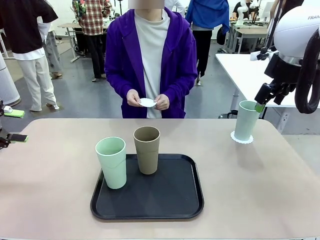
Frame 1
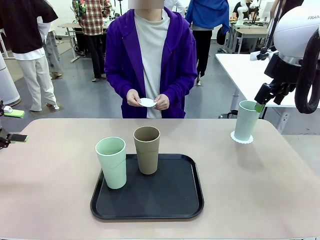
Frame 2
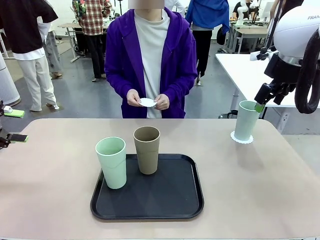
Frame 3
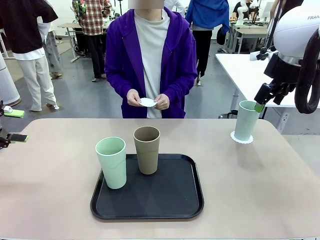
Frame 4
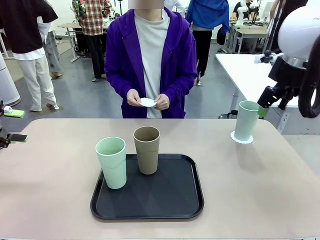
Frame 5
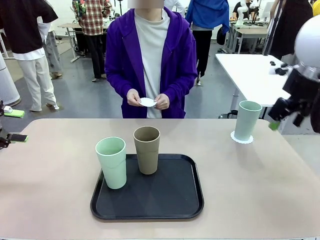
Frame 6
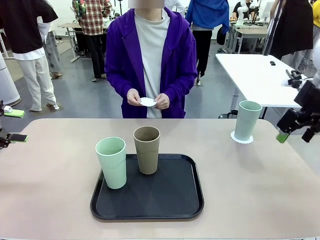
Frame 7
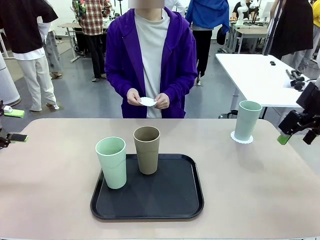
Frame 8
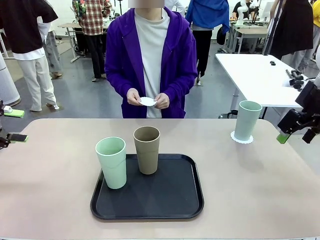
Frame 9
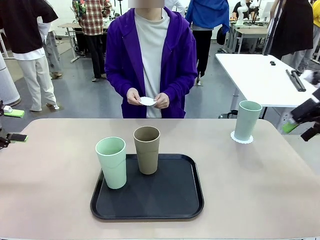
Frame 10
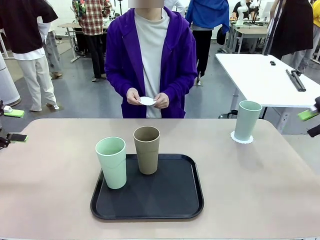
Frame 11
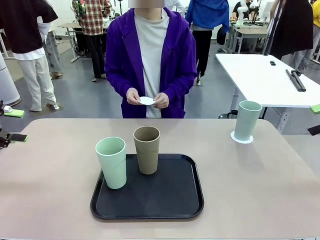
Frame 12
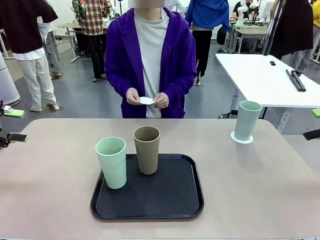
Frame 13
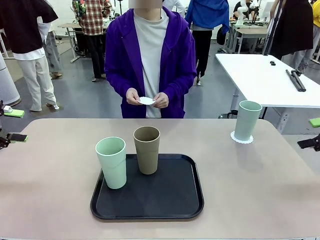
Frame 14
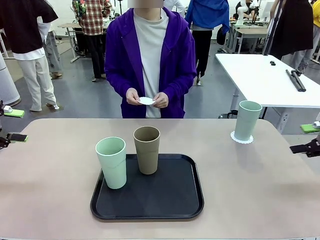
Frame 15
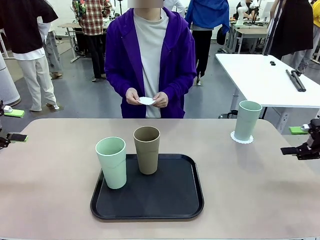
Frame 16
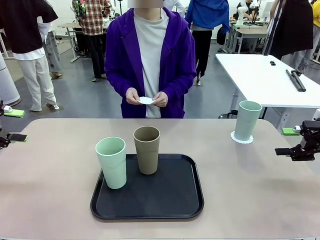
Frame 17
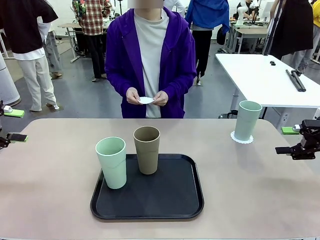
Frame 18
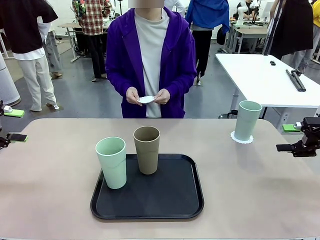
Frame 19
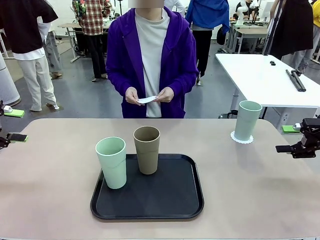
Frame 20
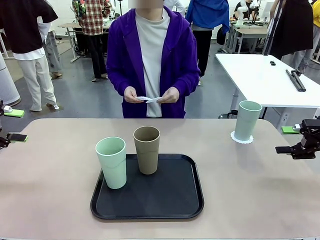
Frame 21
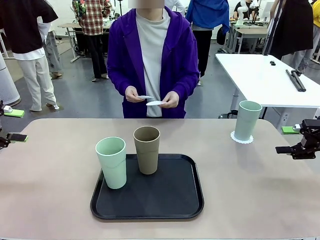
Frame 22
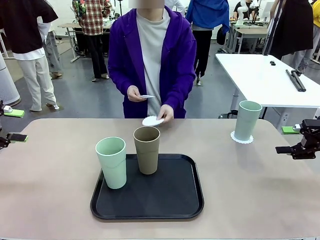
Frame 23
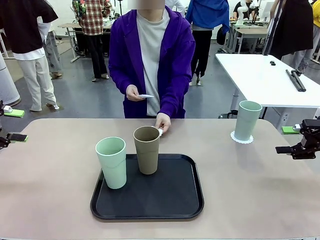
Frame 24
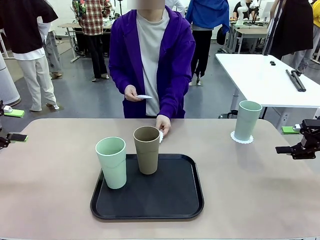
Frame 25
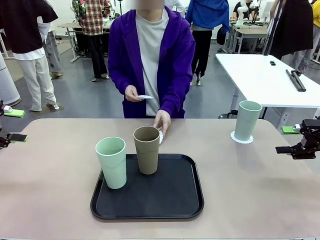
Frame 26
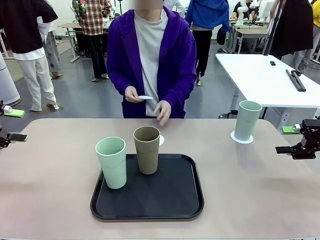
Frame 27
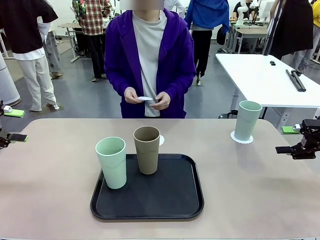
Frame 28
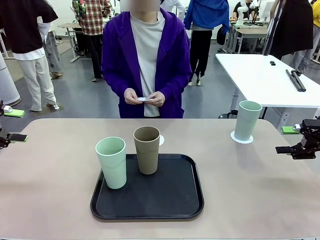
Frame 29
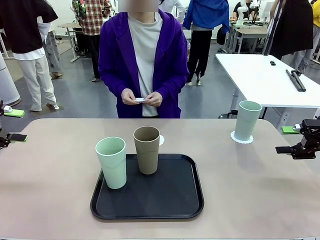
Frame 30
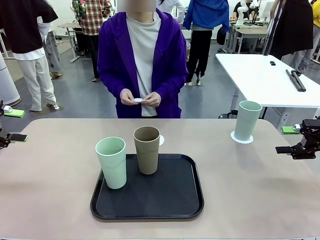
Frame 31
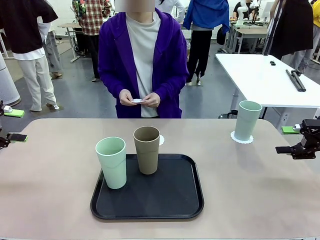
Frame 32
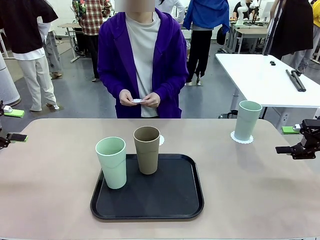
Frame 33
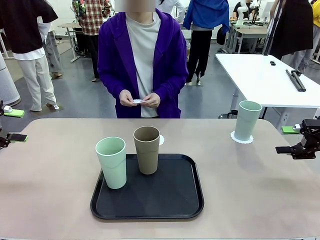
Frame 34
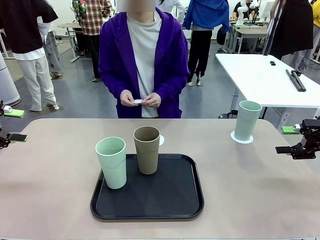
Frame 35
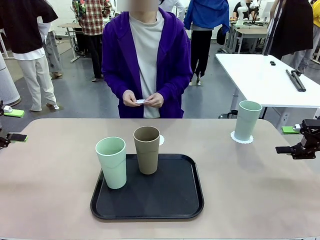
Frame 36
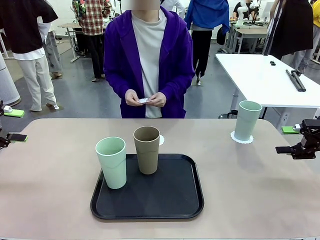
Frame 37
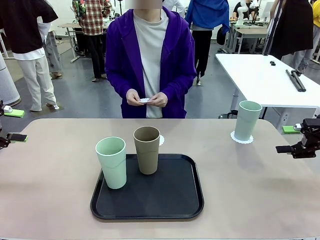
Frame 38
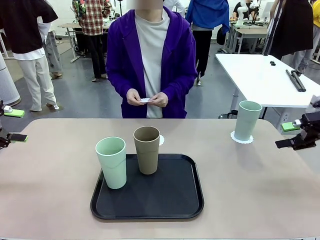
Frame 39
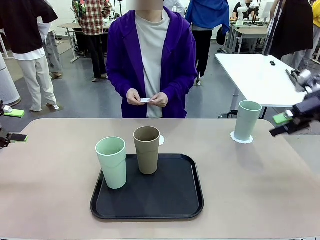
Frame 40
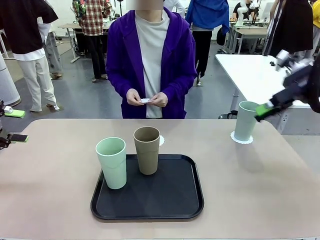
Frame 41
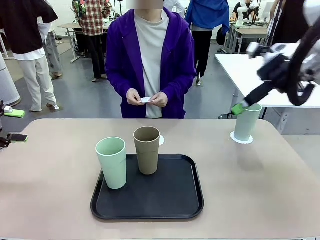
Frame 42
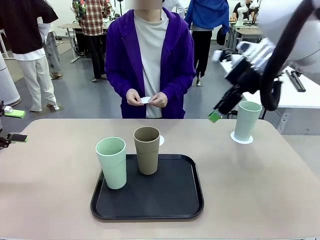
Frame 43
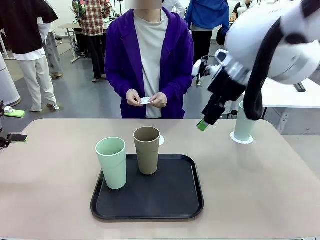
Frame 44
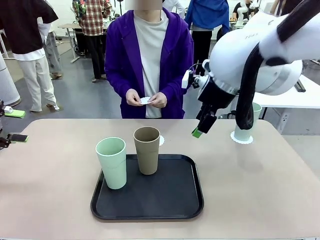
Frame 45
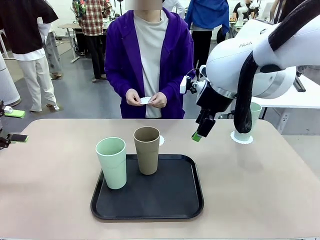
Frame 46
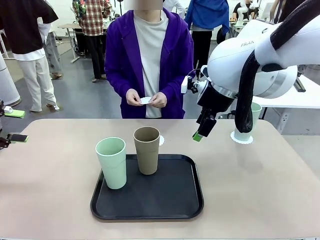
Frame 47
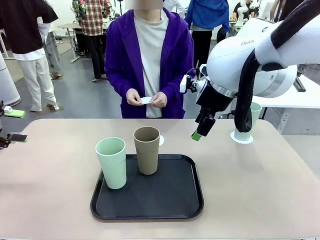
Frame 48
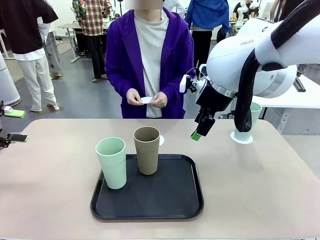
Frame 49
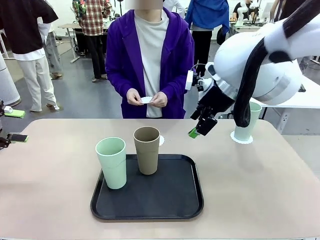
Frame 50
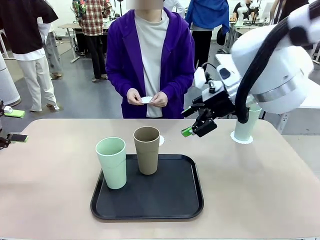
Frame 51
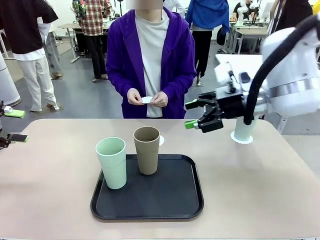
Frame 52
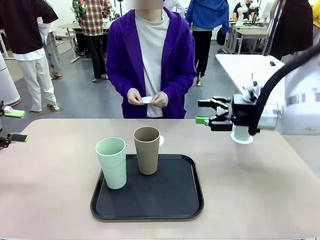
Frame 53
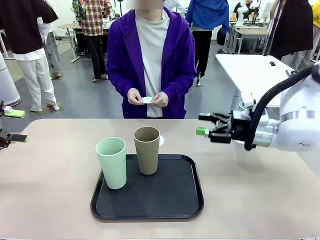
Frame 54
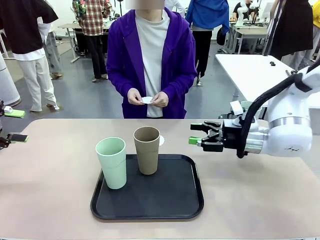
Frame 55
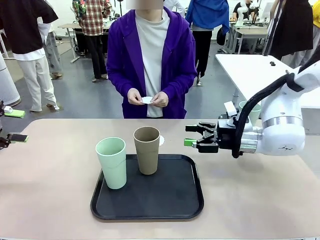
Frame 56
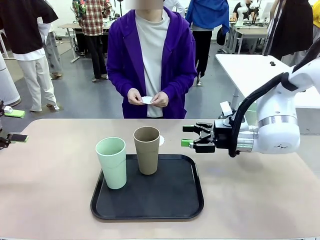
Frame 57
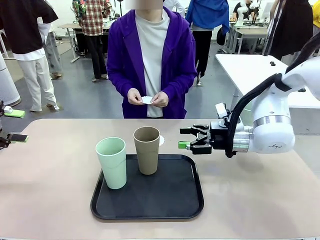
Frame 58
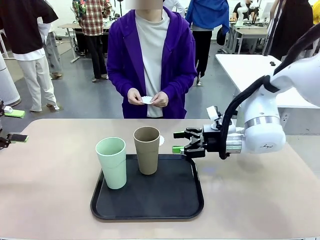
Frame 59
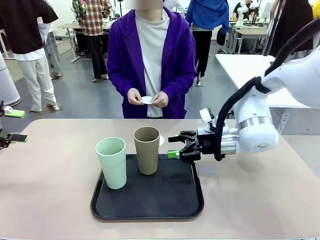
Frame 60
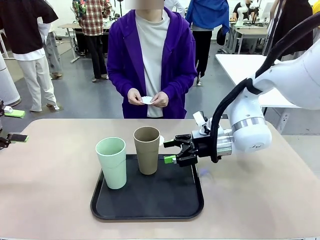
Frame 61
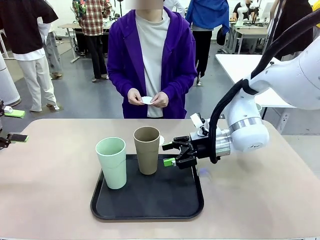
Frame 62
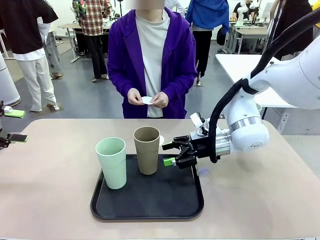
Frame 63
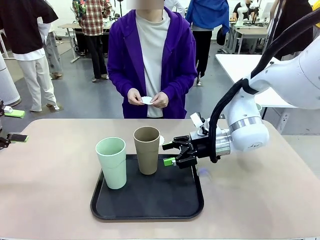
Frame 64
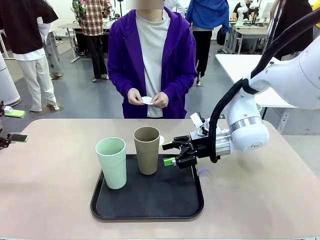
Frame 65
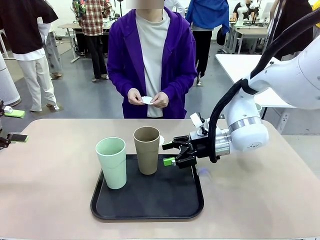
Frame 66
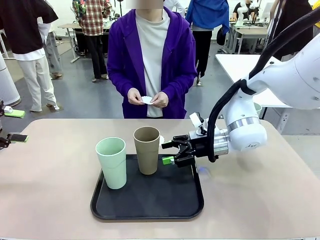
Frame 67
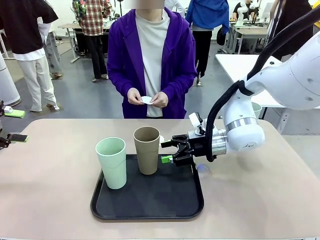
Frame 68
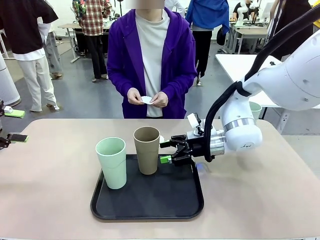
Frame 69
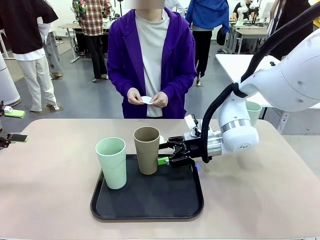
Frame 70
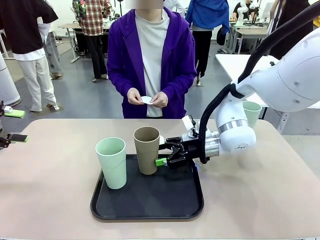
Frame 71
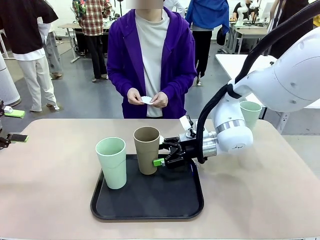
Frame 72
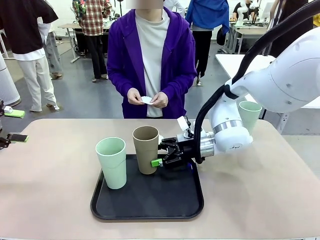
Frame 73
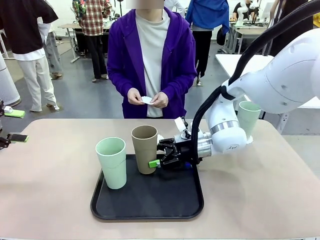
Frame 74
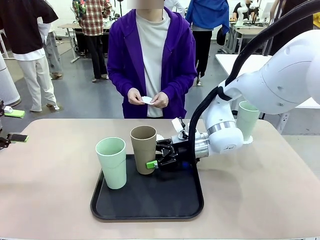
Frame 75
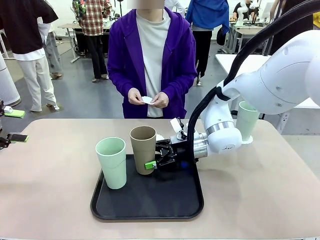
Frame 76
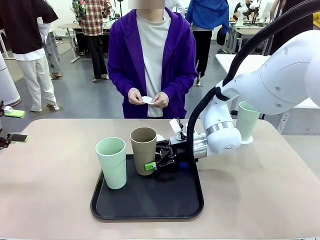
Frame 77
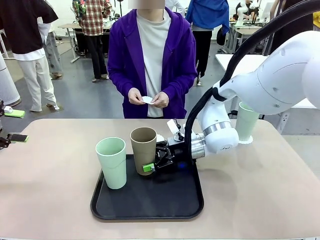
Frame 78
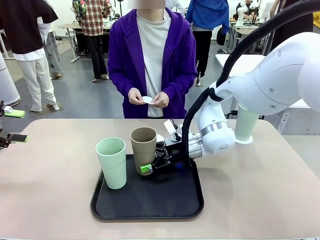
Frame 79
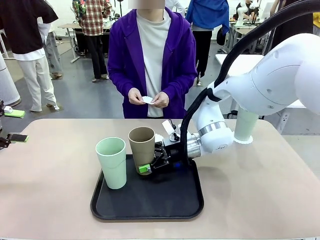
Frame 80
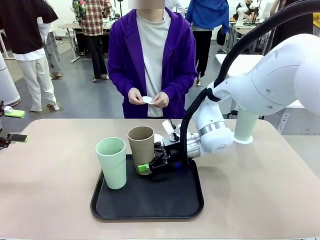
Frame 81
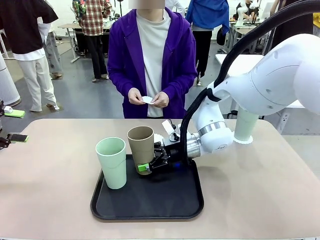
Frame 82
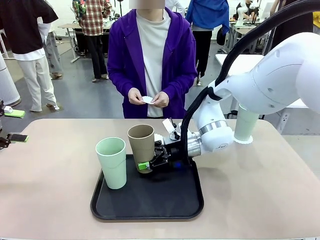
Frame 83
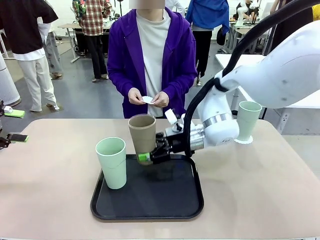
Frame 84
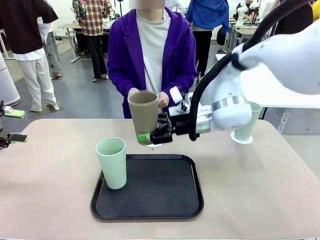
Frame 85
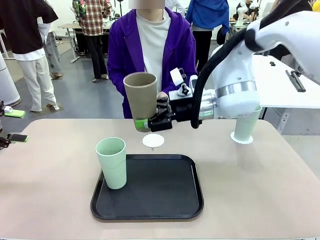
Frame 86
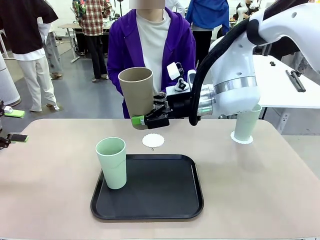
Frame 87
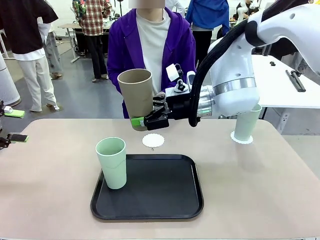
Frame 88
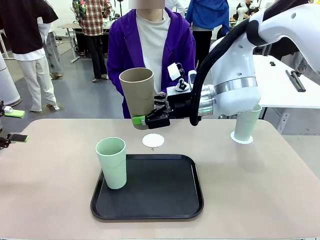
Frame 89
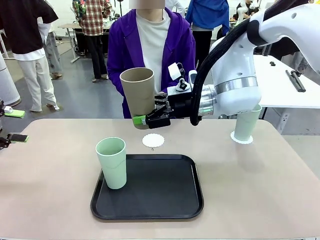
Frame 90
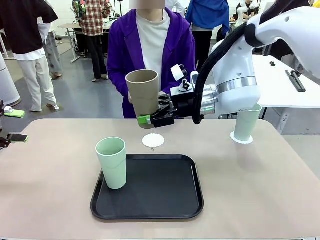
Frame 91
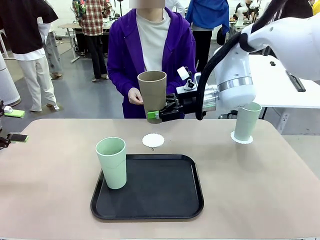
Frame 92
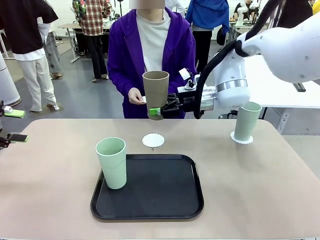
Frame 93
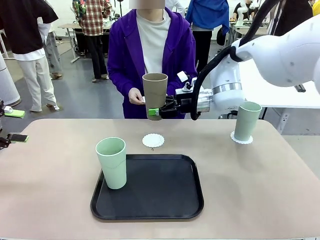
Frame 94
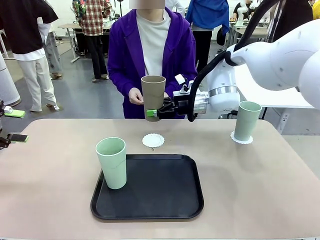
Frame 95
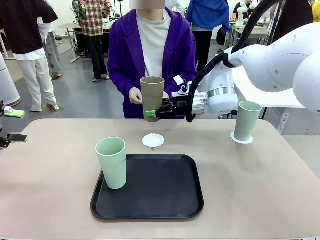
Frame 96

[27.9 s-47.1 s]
Task: Place coasters on the table and set cups on them.
Robot: Take one Reusable plastic cup from the Flat Tray and place it on a coaster set by the human.
